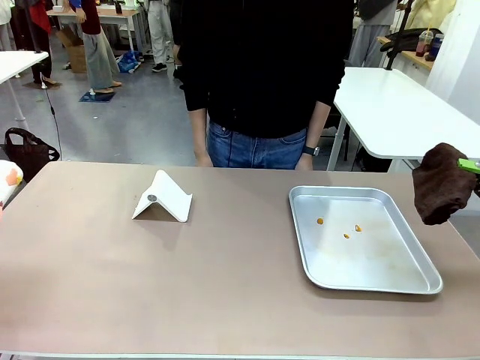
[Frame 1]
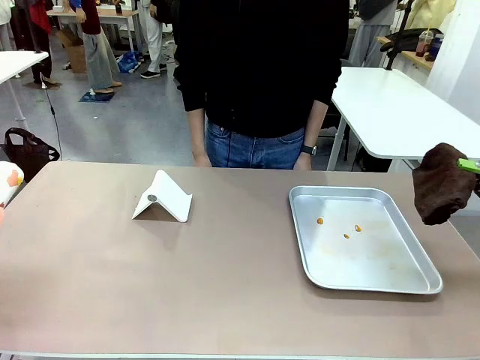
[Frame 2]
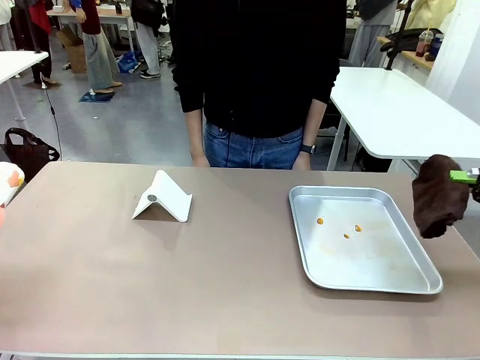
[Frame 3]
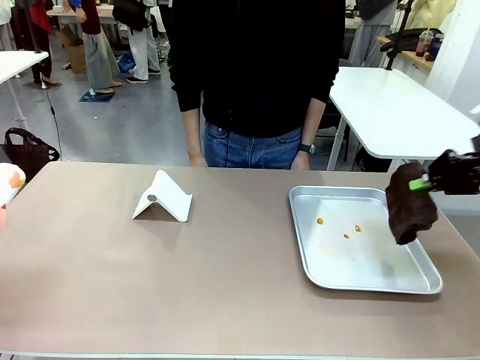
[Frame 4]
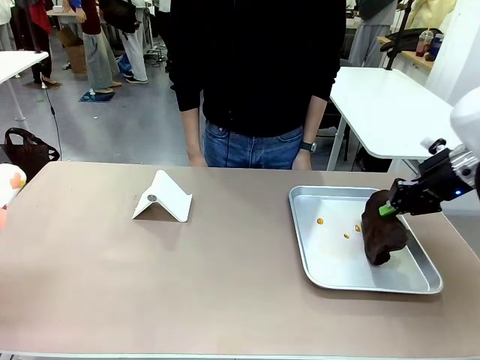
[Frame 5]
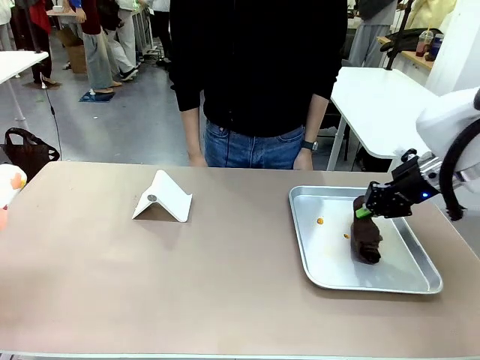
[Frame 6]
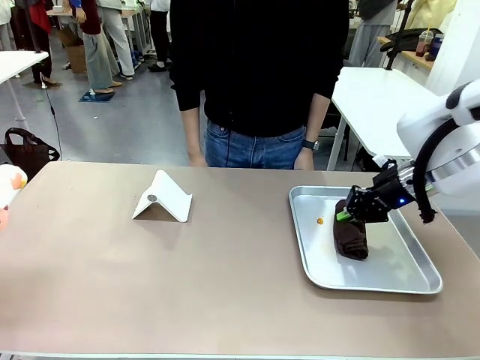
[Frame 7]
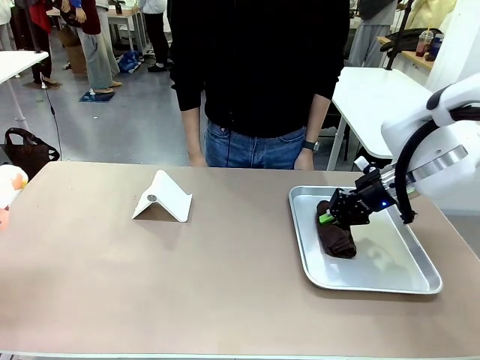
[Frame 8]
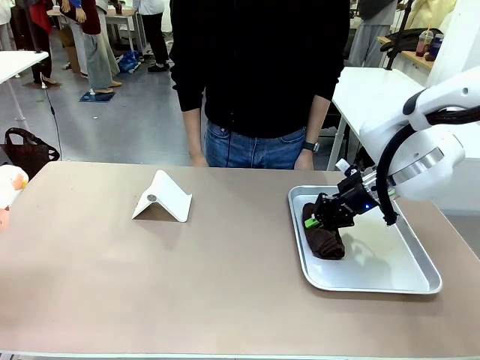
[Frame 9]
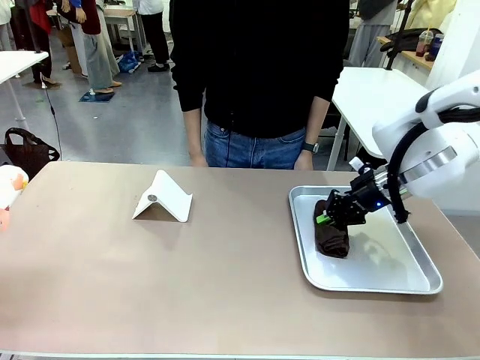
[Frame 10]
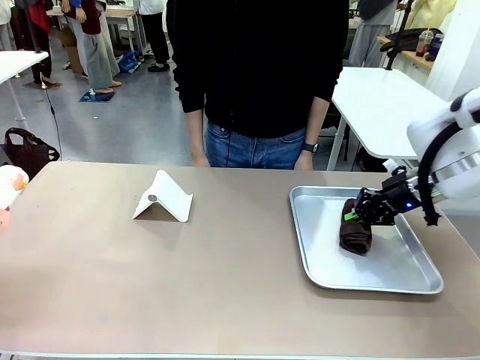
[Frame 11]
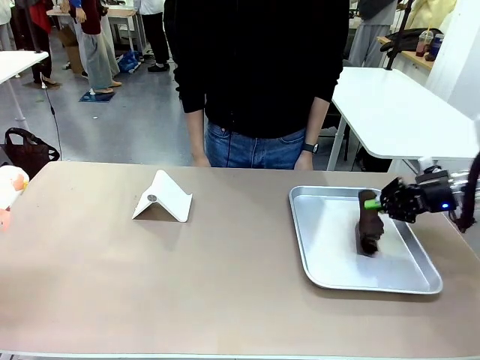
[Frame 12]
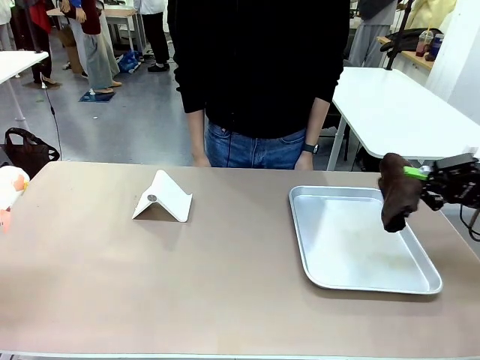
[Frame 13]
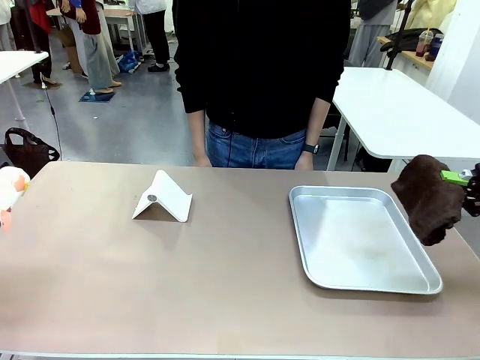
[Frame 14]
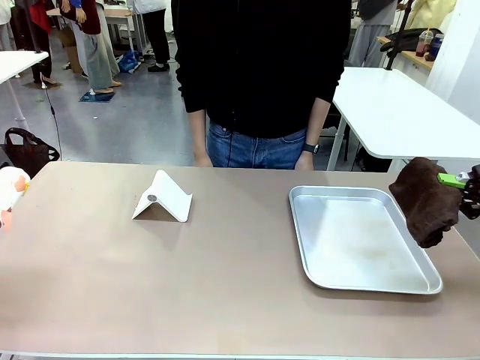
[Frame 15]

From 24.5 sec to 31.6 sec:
Task: Clean the surface of the table.
Robot: Clean the area not pointed to by the person.

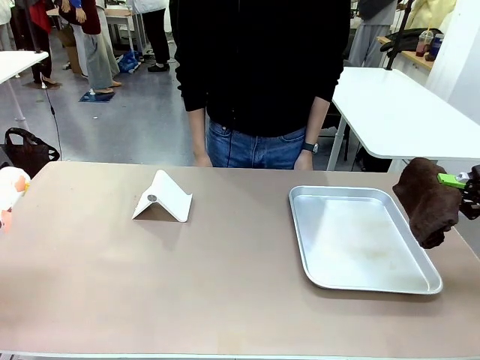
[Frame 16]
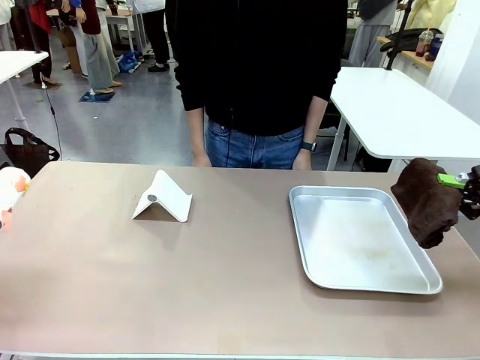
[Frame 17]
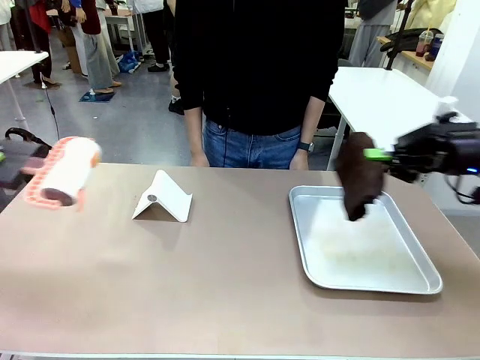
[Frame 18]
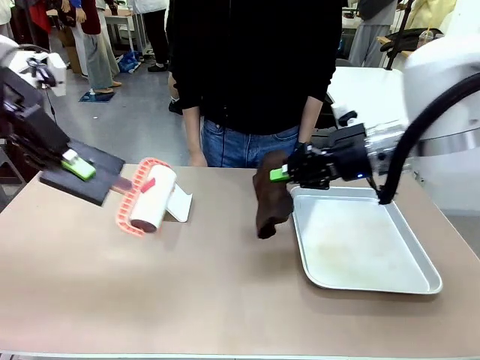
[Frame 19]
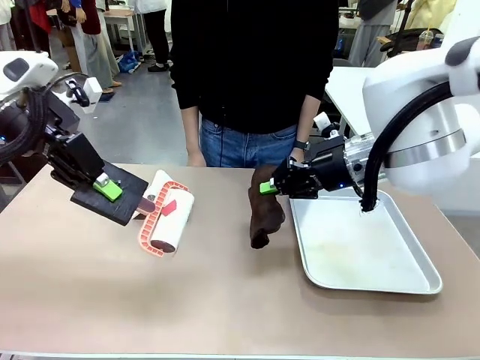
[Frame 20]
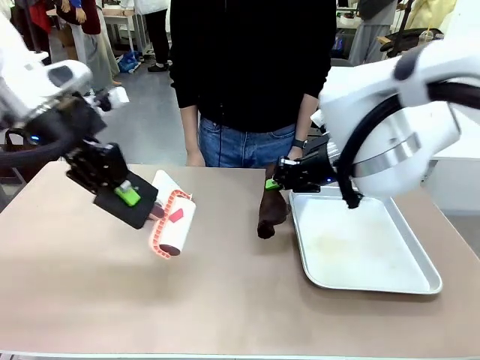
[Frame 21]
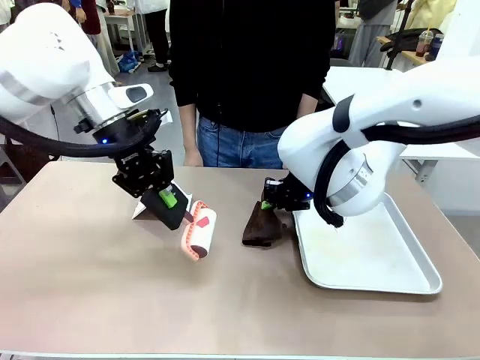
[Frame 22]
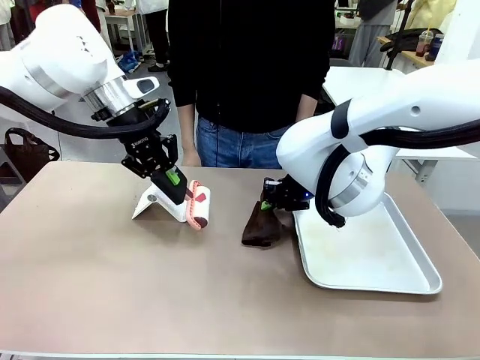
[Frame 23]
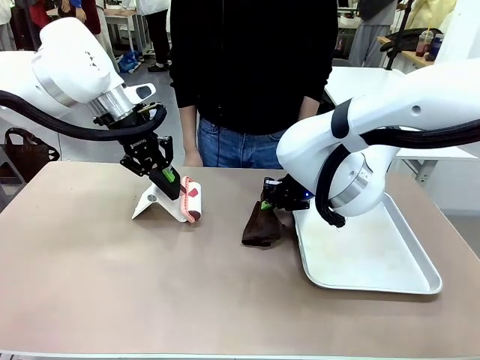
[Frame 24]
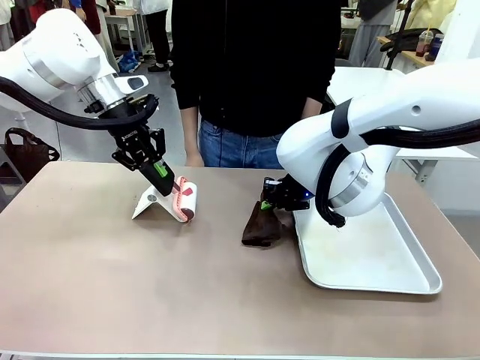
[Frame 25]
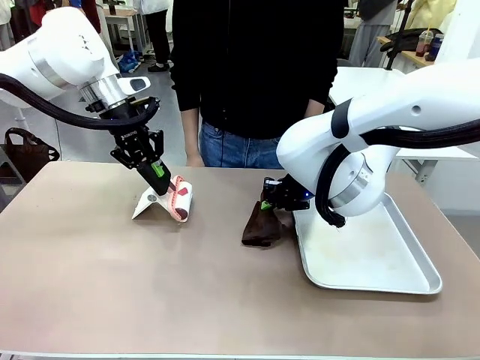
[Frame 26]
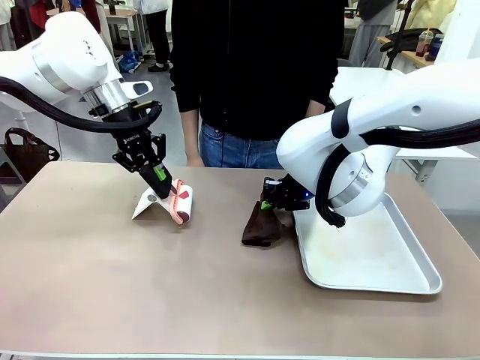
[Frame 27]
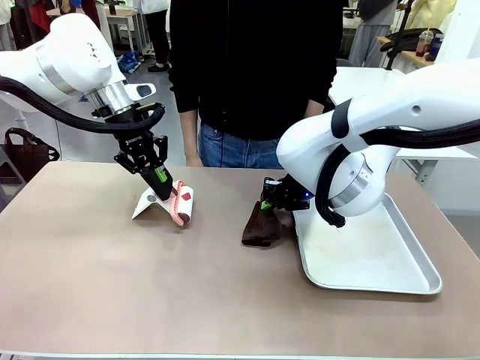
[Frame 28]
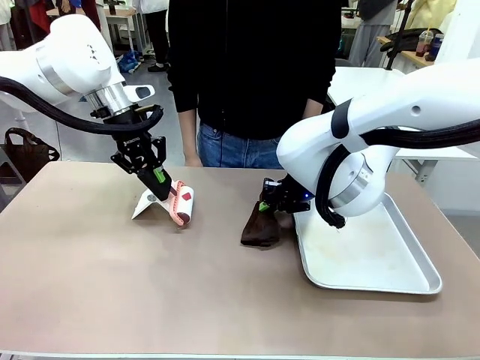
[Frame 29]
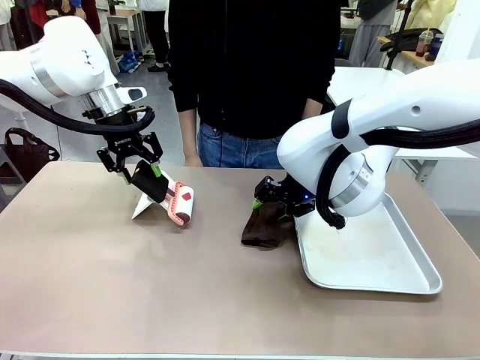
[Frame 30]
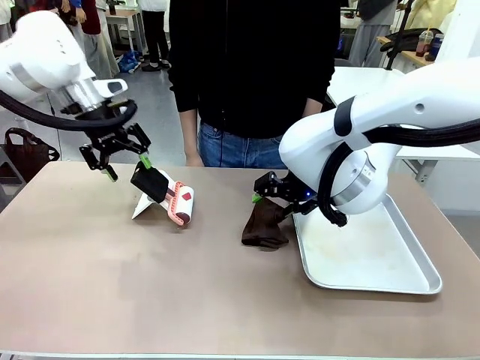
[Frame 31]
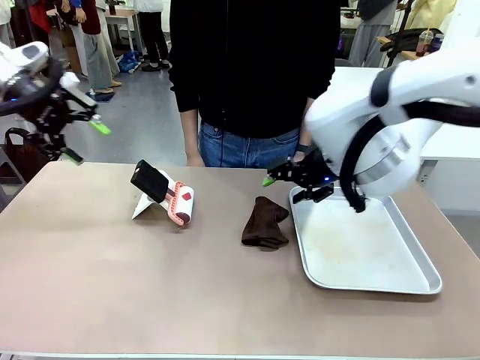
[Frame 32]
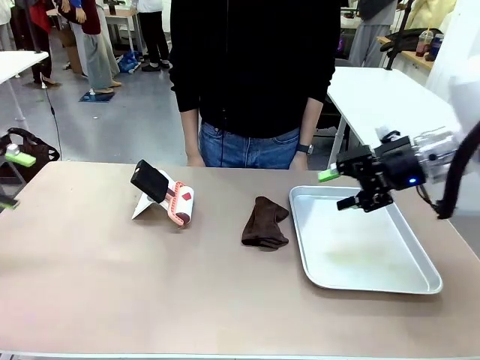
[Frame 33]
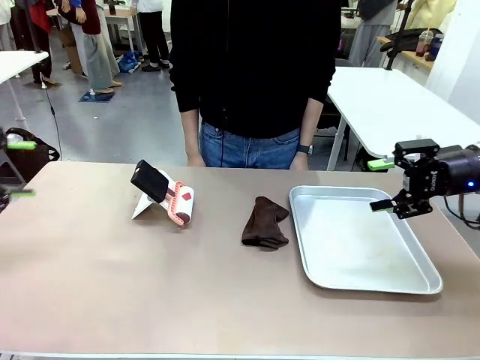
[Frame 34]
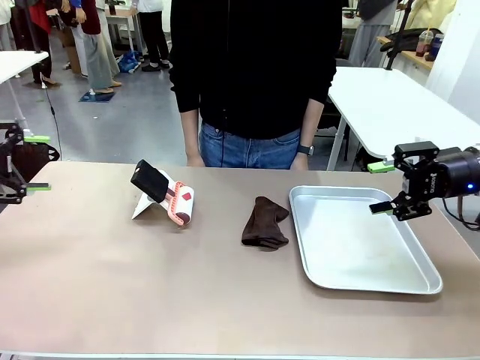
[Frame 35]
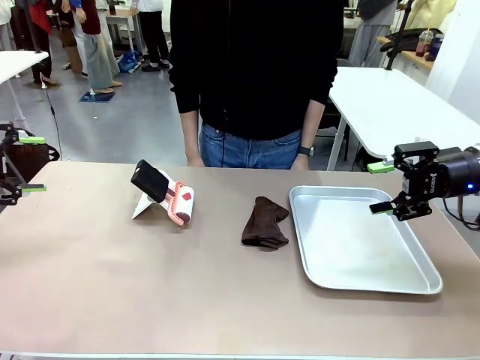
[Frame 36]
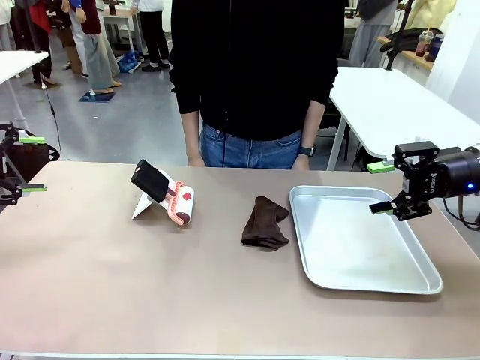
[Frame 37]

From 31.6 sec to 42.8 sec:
Robot: Return the Lint Roller and towel to their original positions.
